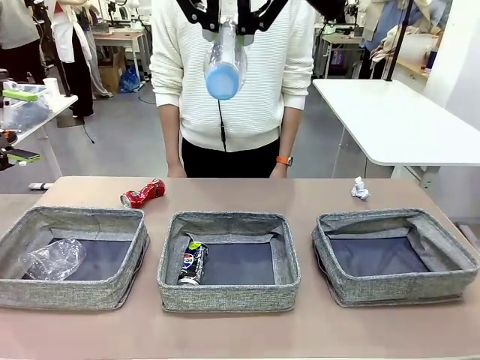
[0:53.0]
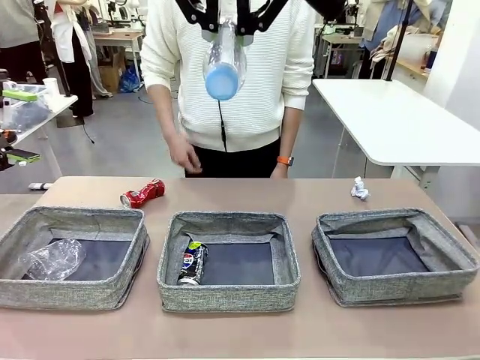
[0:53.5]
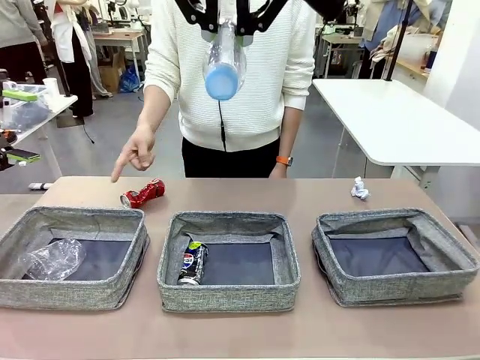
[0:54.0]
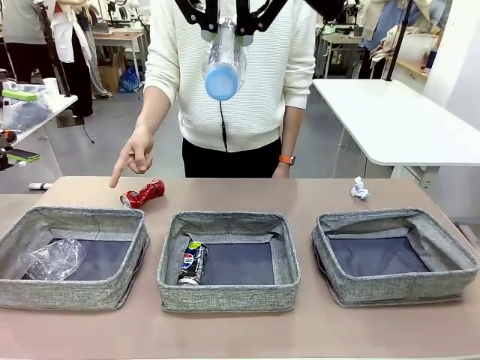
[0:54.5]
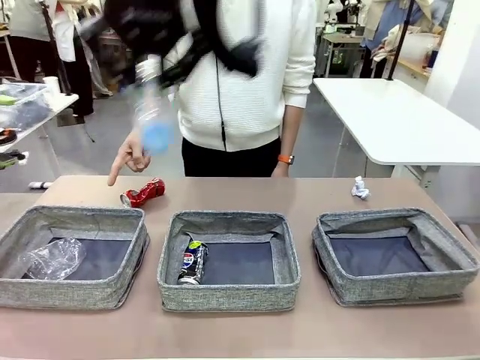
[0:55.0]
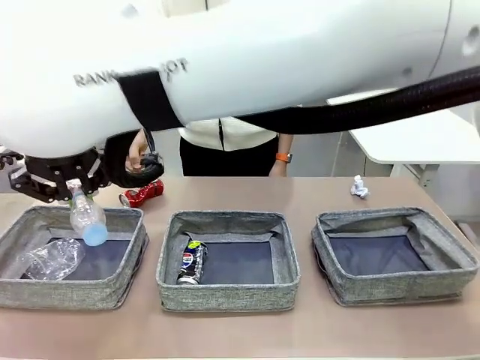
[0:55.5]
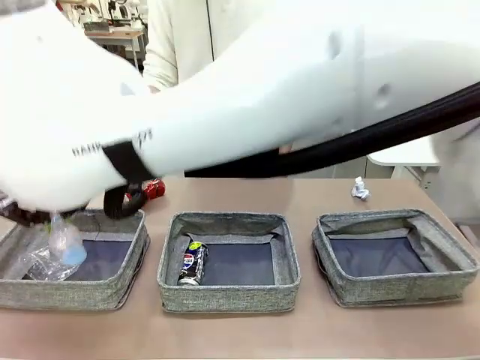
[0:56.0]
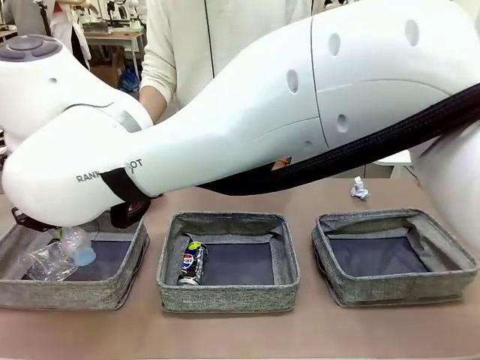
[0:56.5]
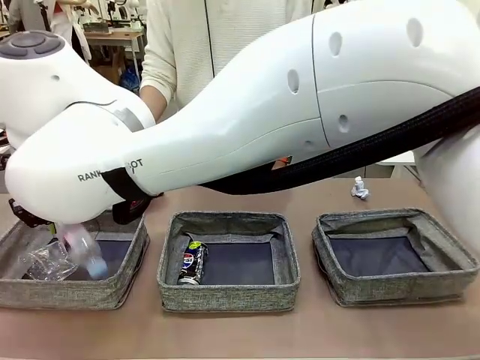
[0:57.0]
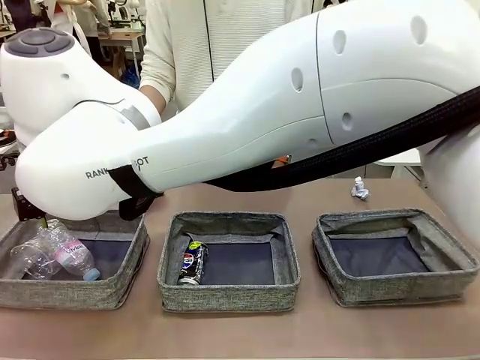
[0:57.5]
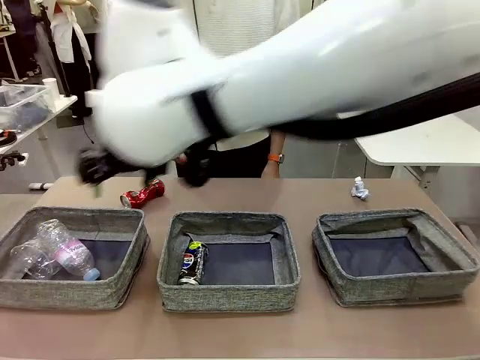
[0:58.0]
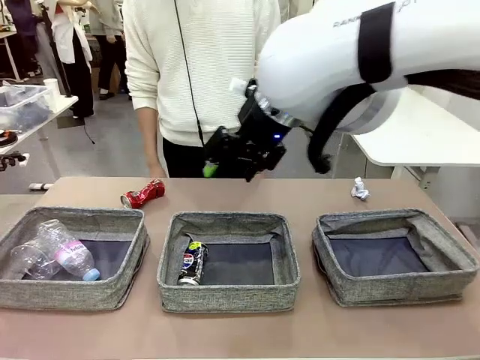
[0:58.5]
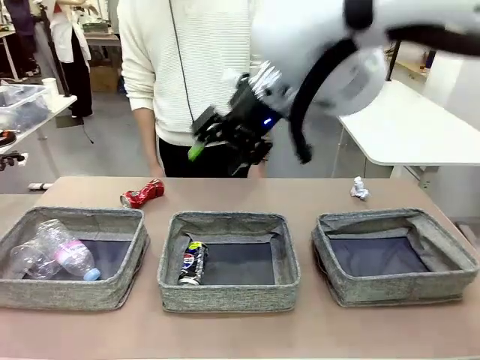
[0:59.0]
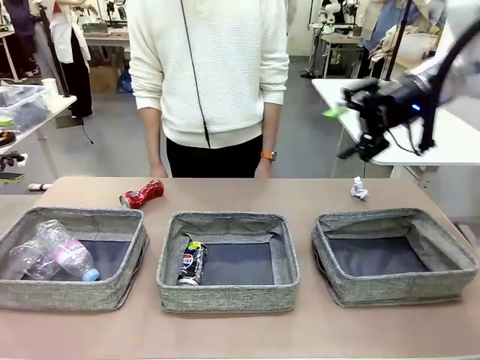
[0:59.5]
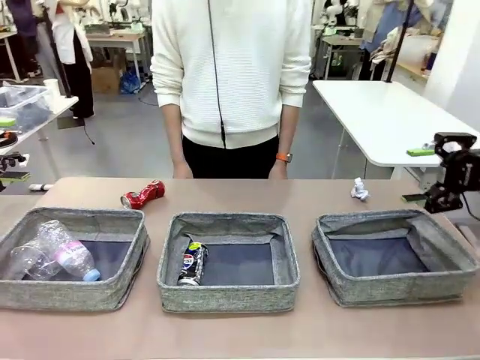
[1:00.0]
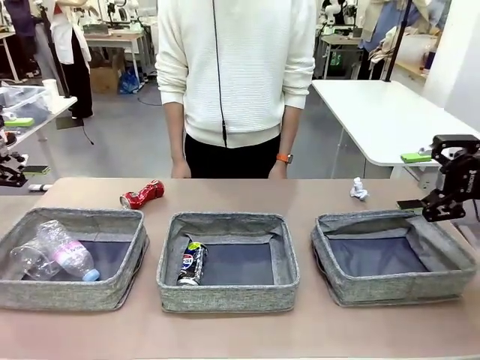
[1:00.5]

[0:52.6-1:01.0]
Task: Sort the waste into the appropriate baskets.
Robot: Place the picked waste into the Fabric basket indicated by the person.
Person: Instructs the robot to place the picked-up trash into the appropriate organizing basket.

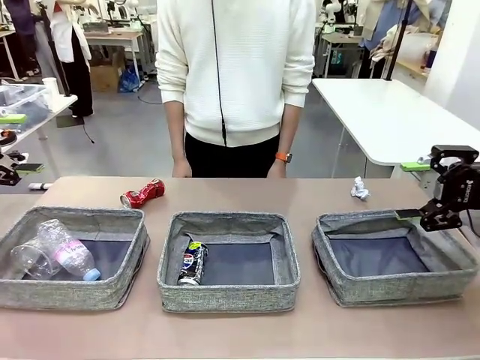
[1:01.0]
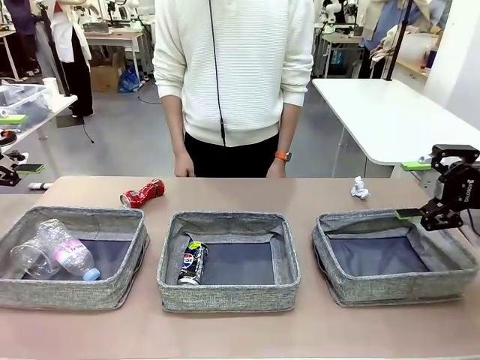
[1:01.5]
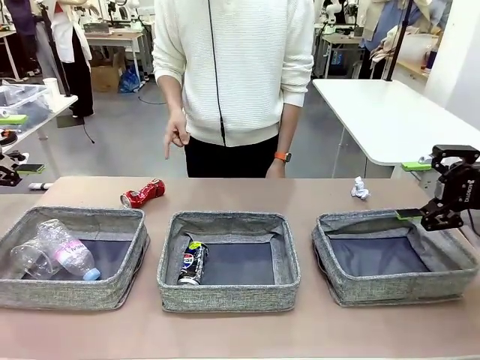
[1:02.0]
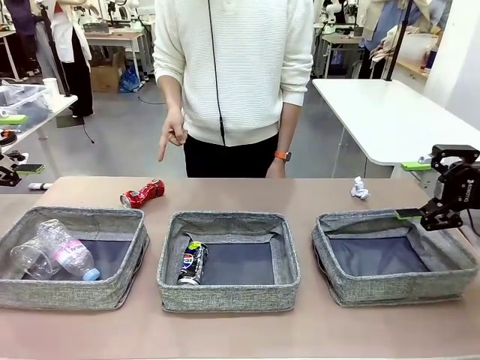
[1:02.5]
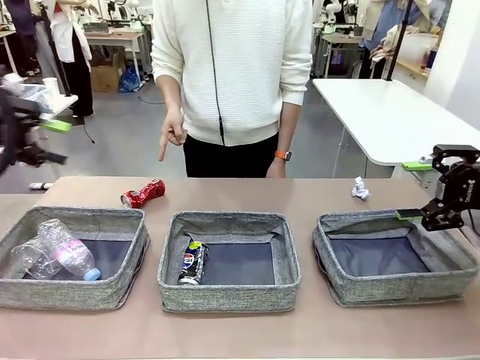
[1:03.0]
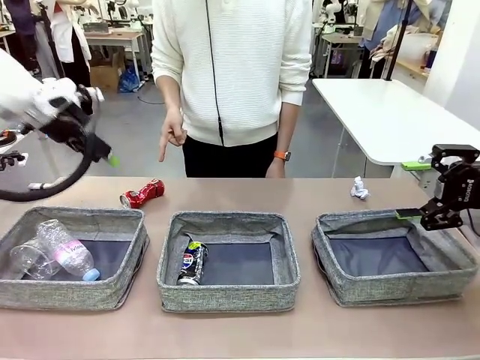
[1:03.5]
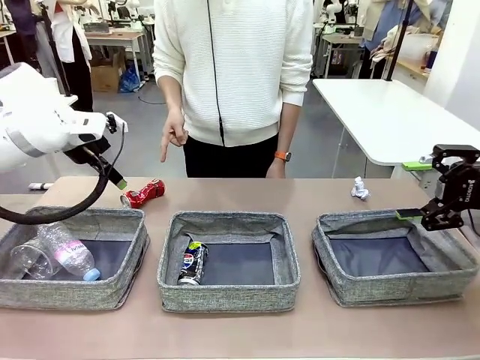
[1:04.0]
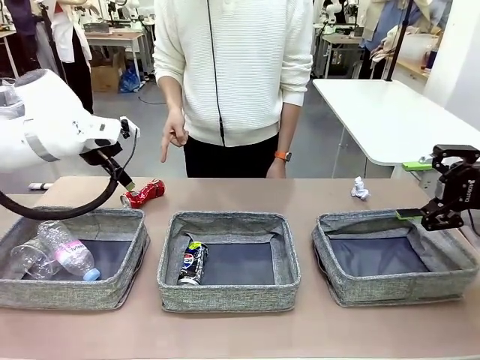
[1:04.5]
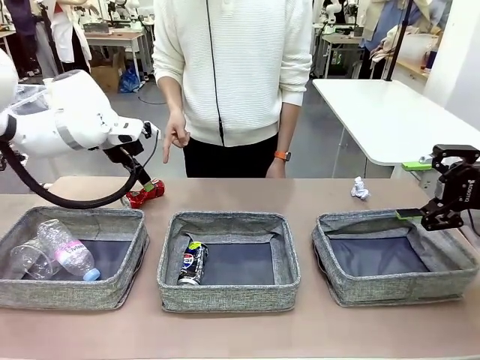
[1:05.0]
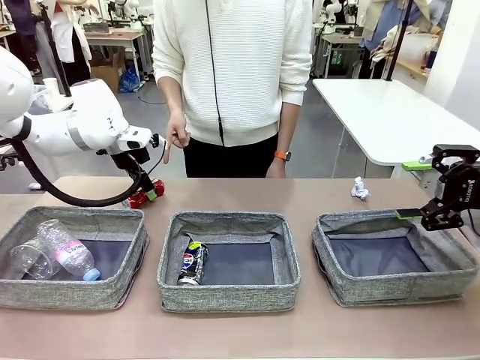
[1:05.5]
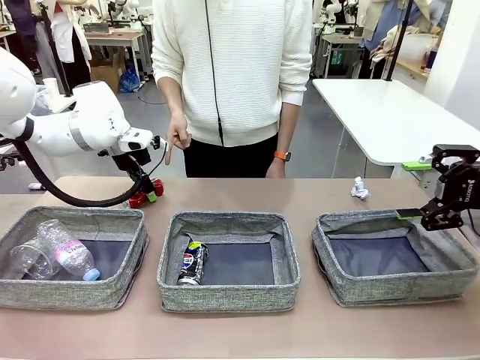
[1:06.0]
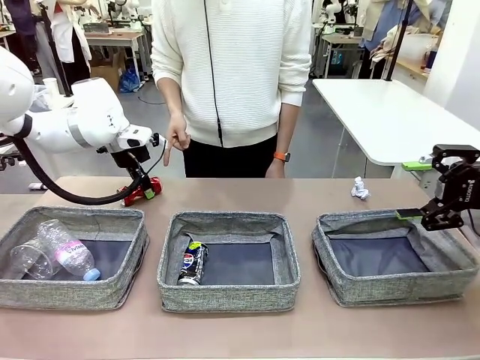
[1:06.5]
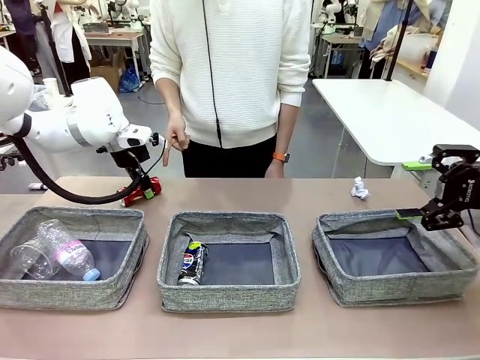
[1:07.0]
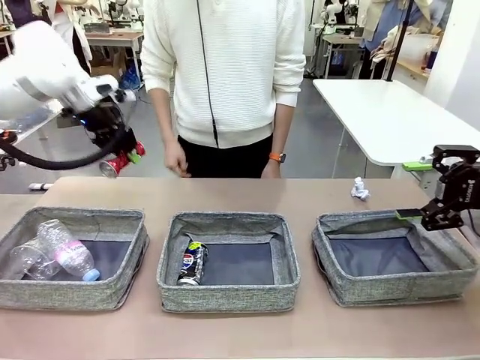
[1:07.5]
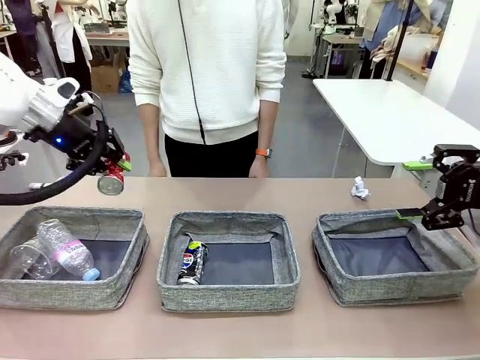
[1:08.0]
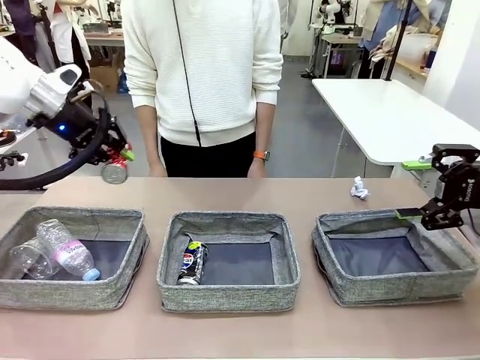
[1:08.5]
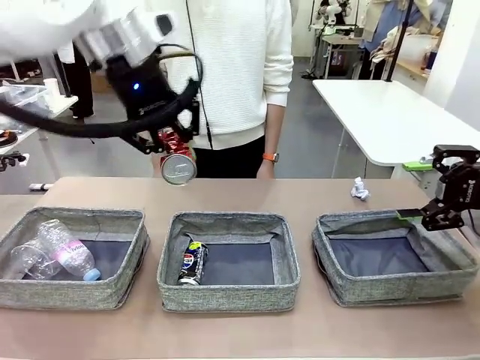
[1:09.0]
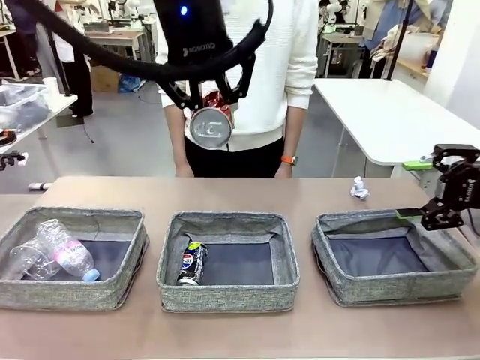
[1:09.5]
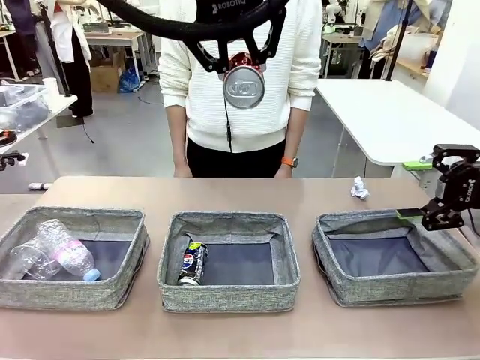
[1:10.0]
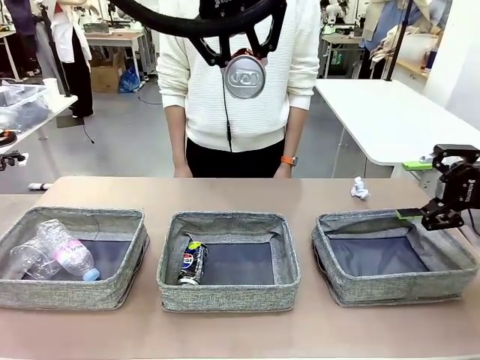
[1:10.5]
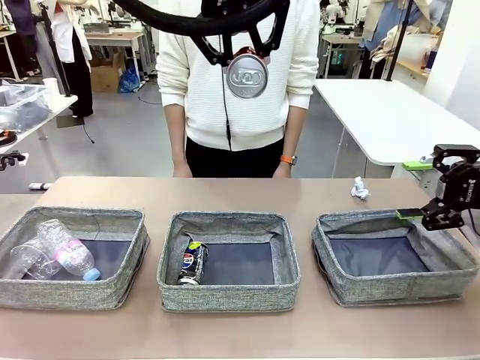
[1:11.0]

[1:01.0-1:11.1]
Robot: Pick up the waste item pointed out by the person.
Person: Points to one piece of trash on the table.

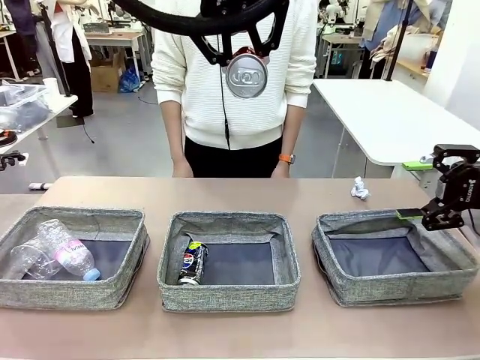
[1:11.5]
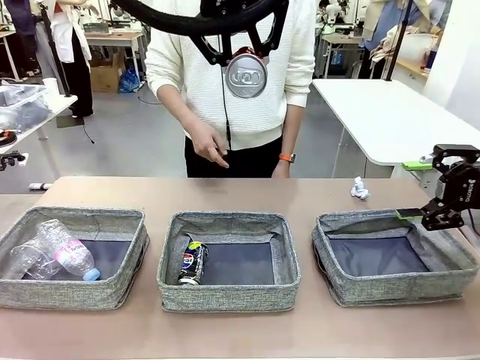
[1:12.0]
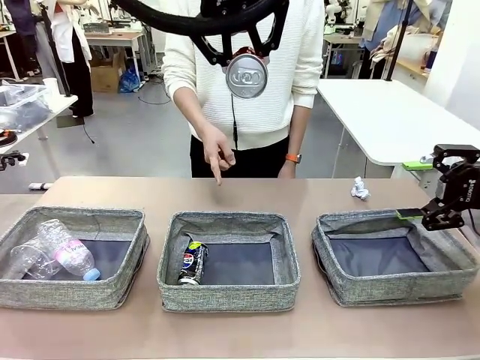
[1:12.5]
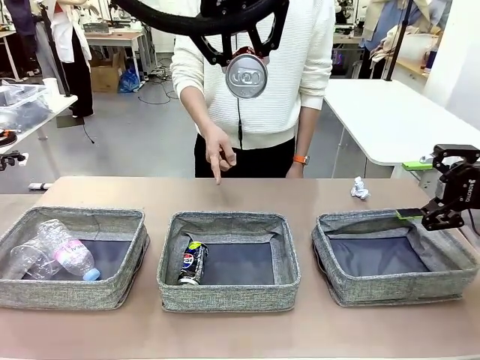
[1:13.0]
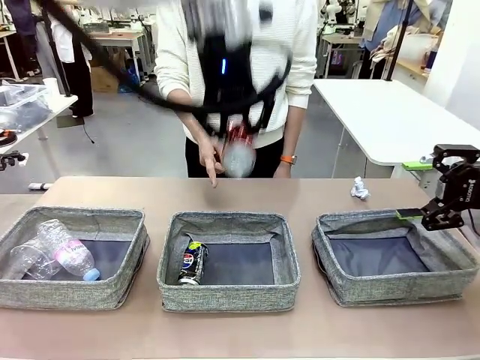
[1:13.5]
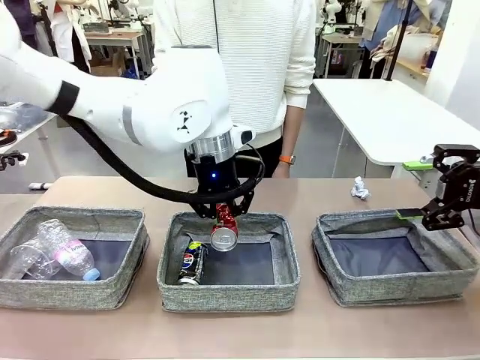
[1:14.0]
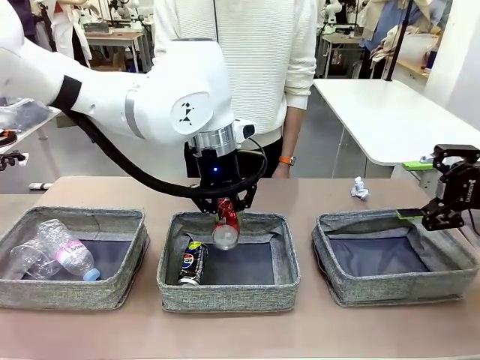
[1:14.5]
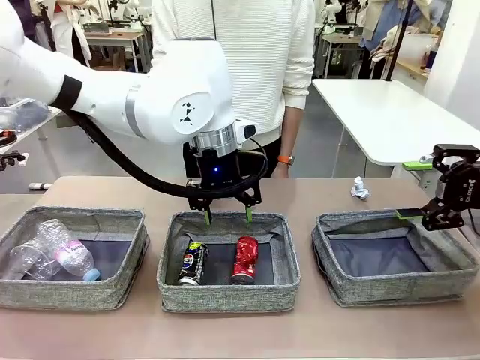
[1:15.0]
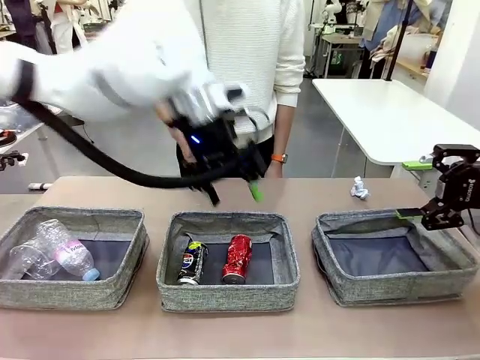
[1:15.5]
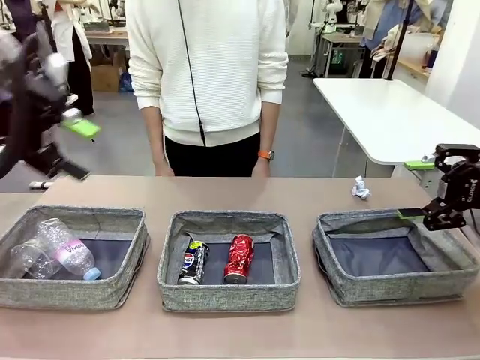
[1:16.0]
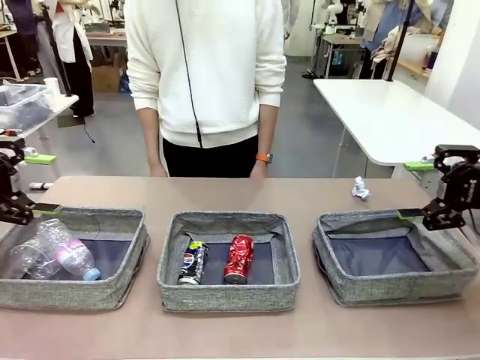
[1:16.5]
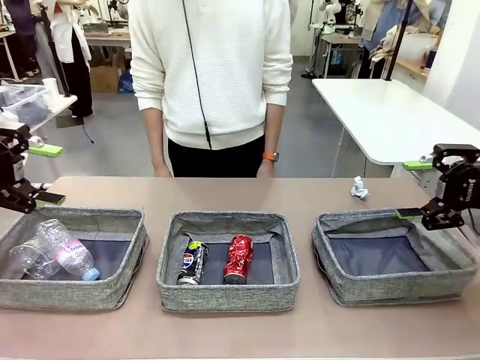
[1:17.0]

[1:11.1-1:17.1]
Robot: Place the picked waste into the Fabric basket indicated by the person.
Person: Instructs the robot to place the picked-up trash into the appropriate organizing basket.

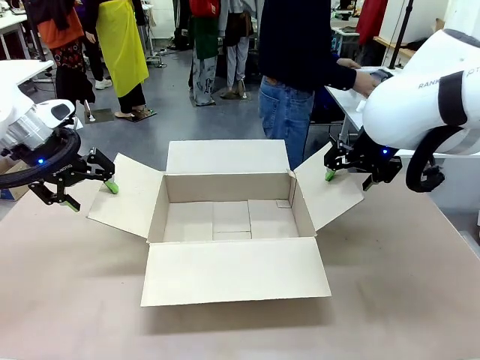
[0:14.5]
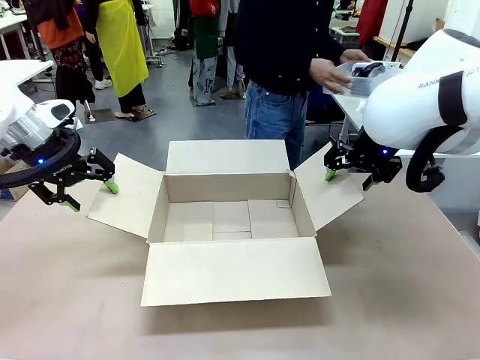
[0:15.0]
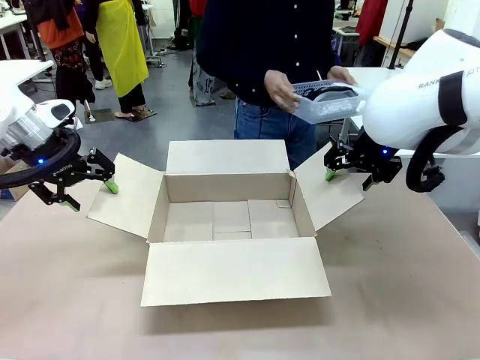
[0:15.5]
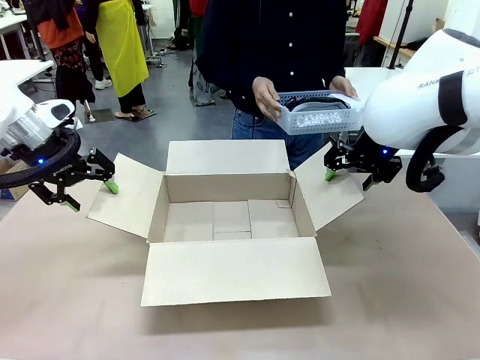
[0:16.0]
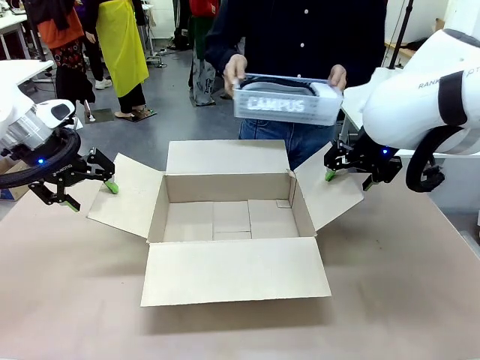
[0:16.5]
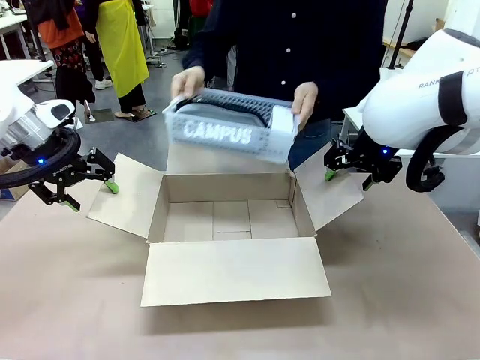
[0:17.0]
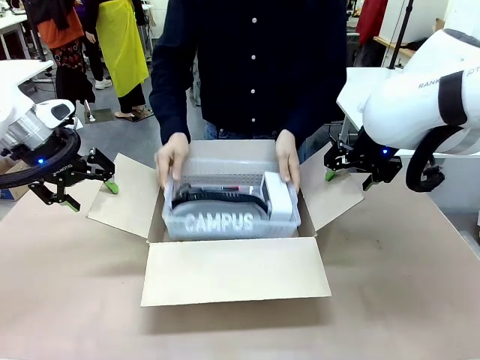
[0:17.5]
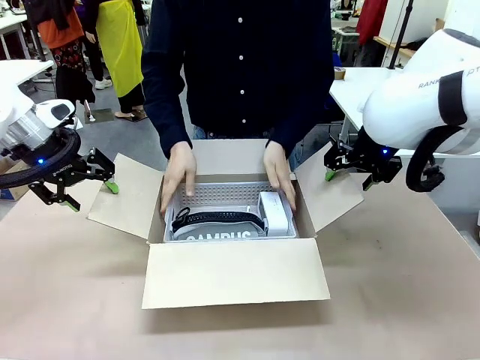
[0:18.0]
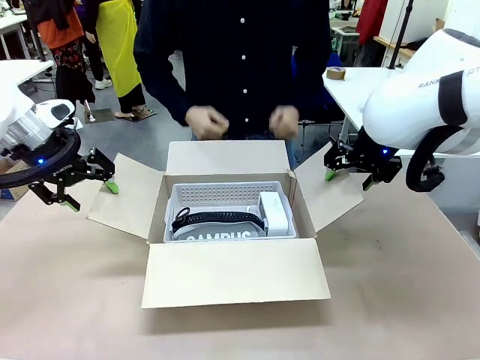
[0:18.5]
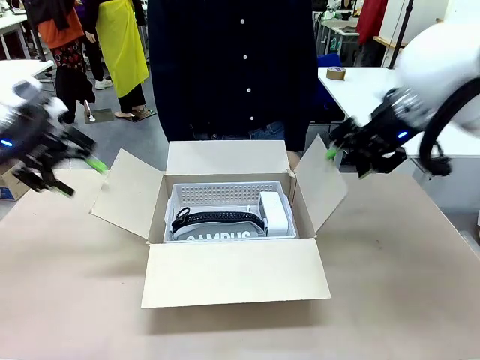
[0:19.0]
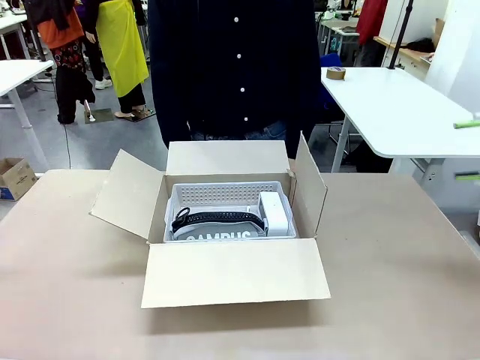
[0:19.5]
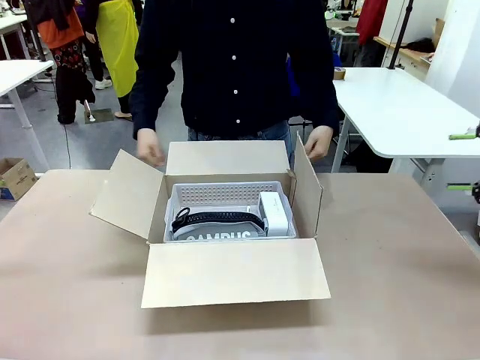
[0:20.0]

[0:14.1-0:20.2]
Task: Pack the gift set into the box.
Robot: Lift both hands away from the flaps of the Package Box.
Person: The human picks up the organizing basket and places the organizing basket into the package box on the robot table.
